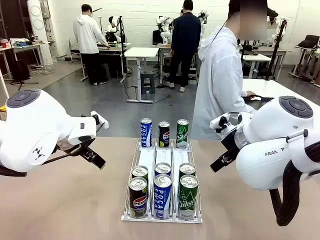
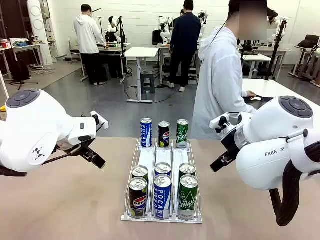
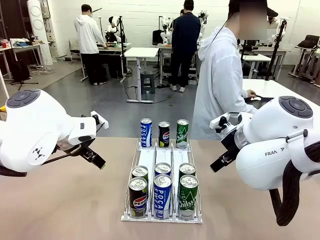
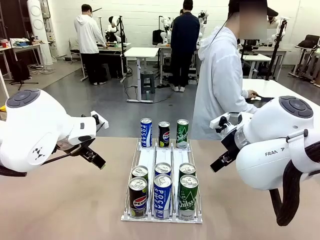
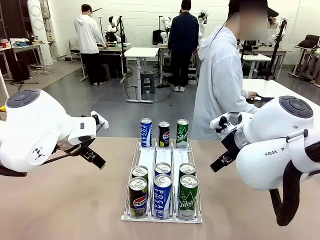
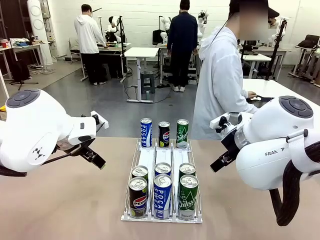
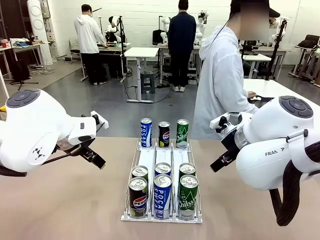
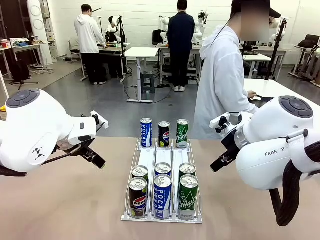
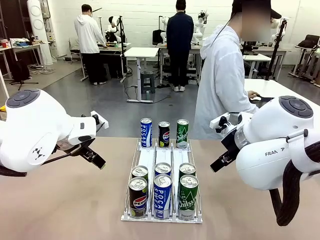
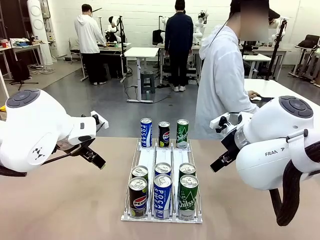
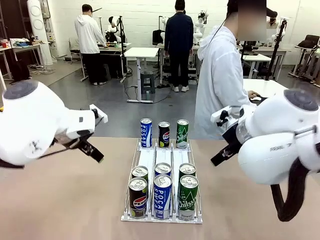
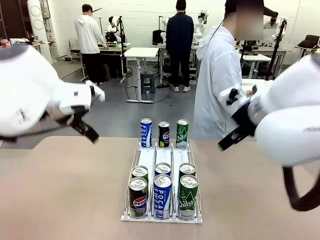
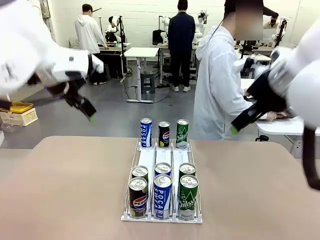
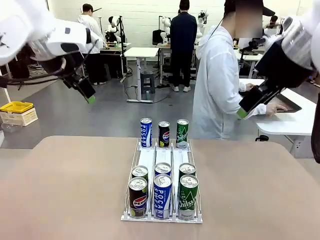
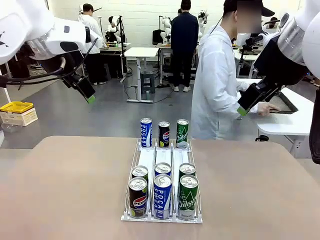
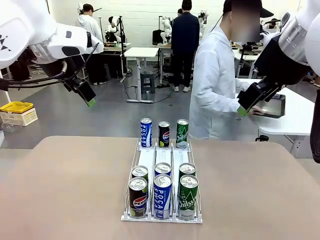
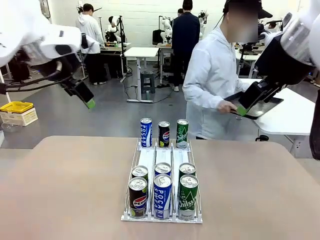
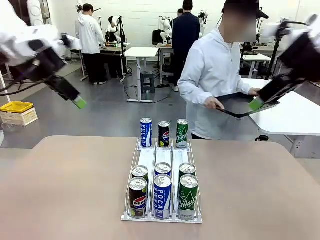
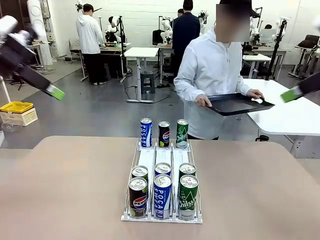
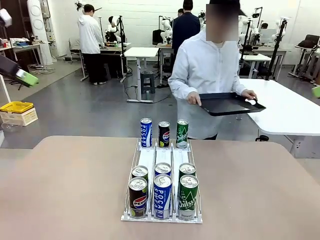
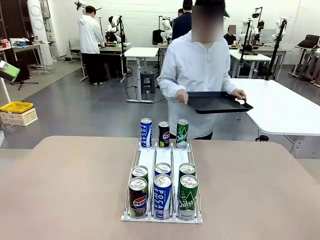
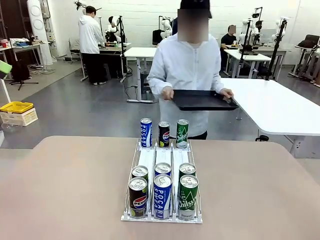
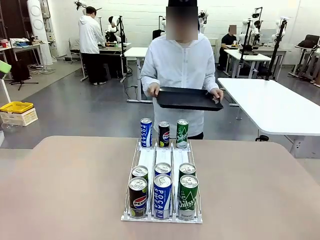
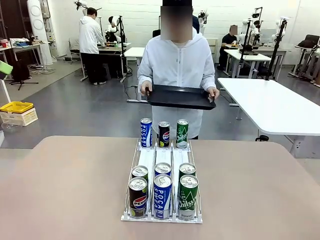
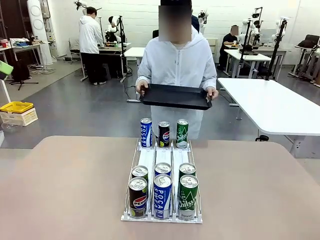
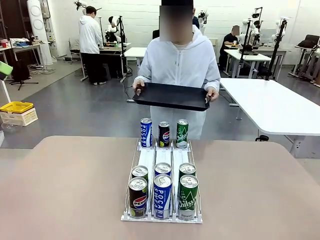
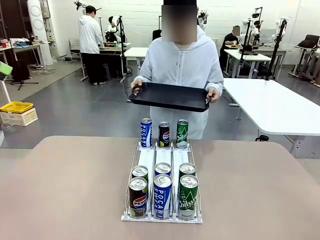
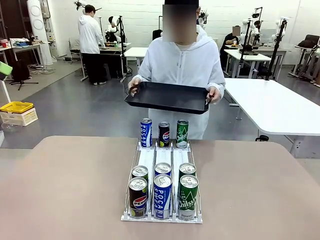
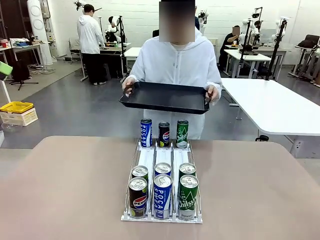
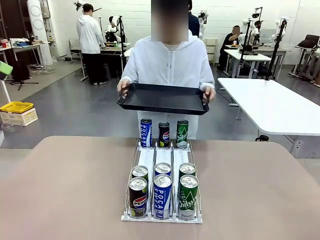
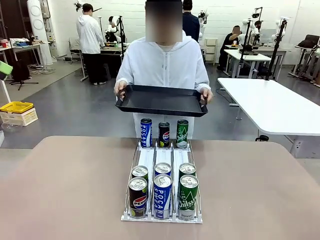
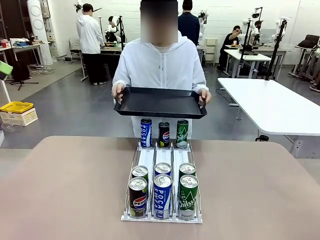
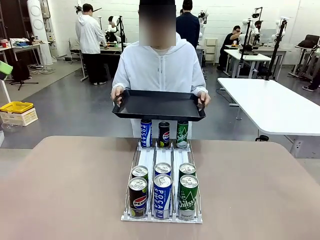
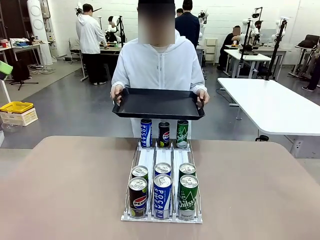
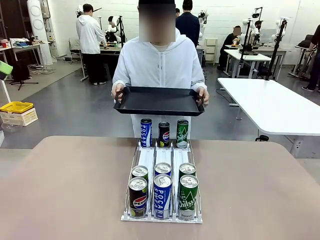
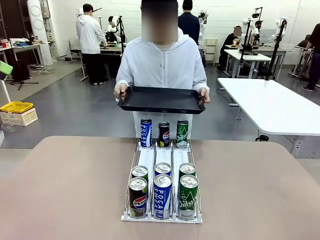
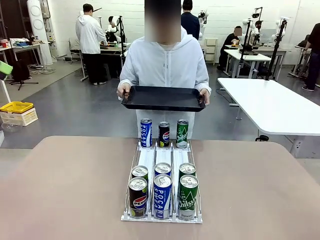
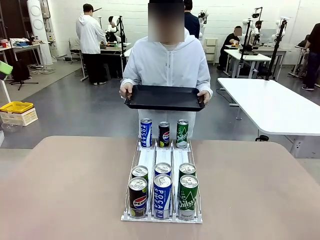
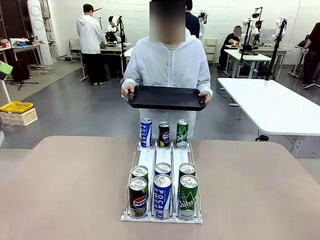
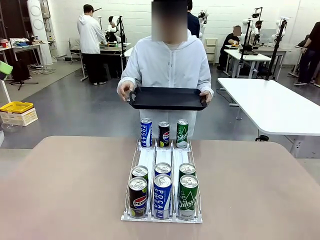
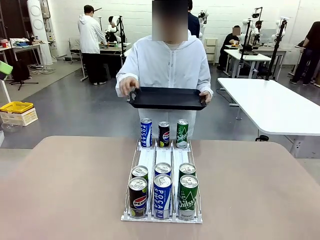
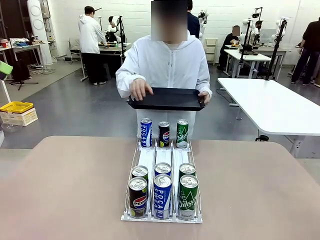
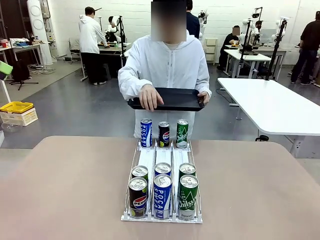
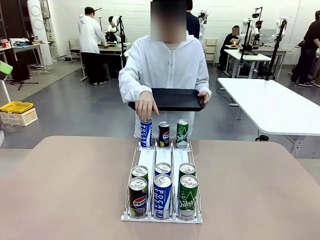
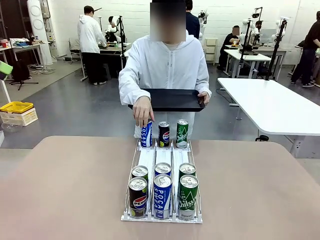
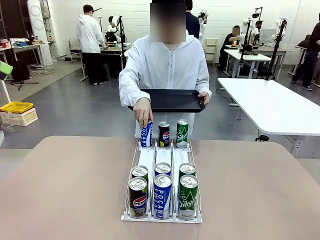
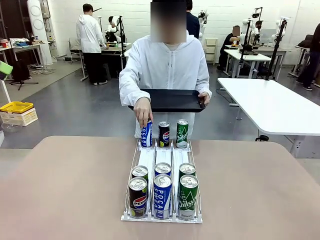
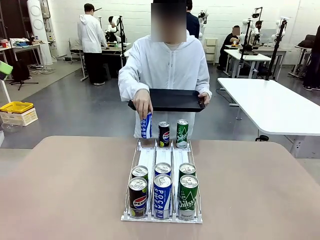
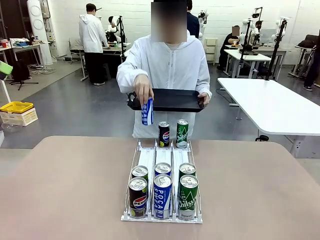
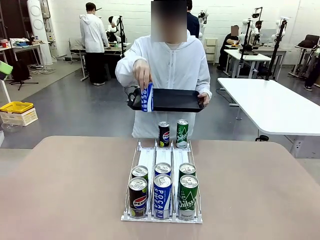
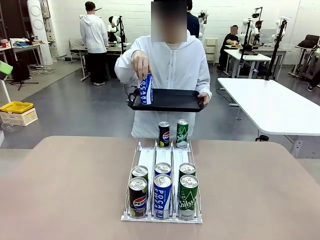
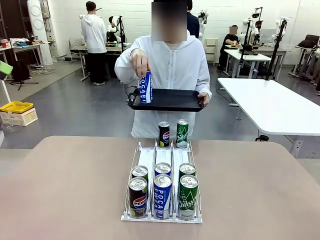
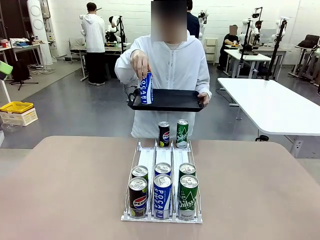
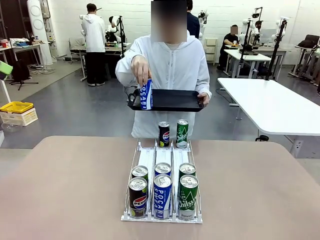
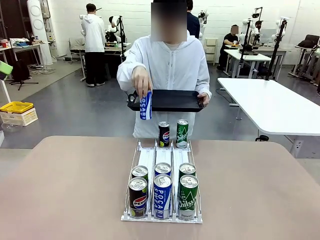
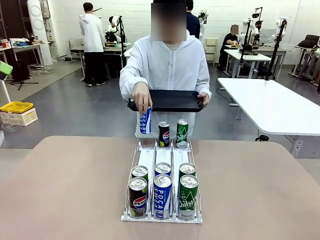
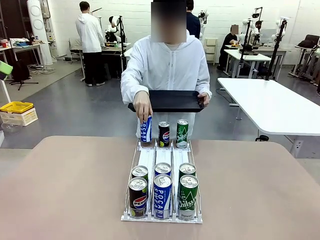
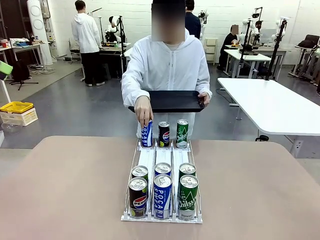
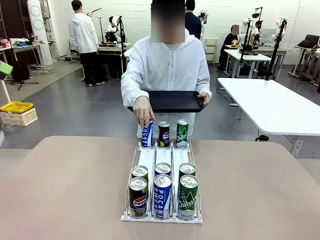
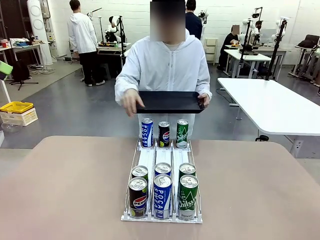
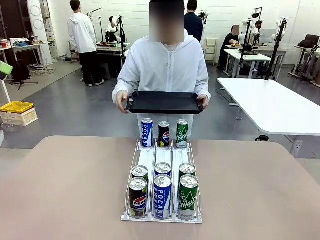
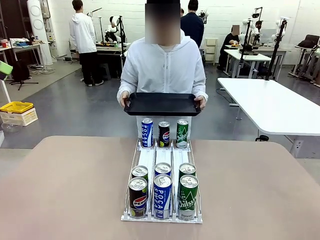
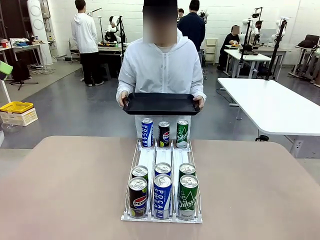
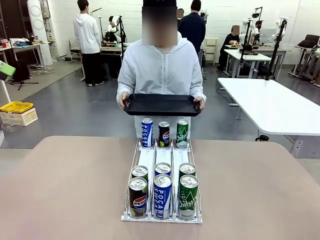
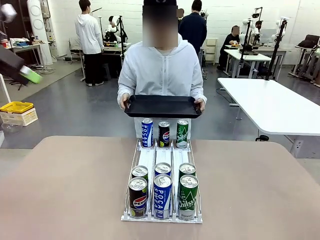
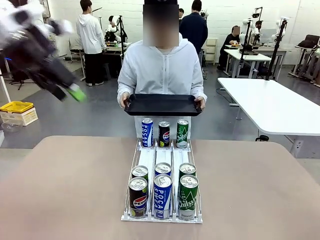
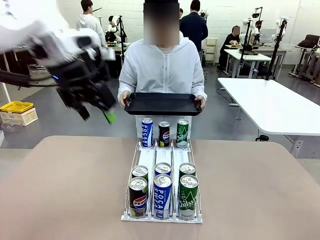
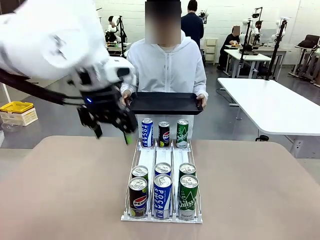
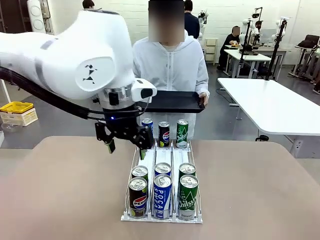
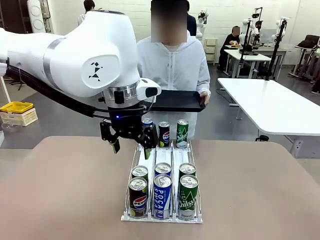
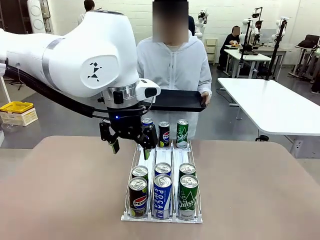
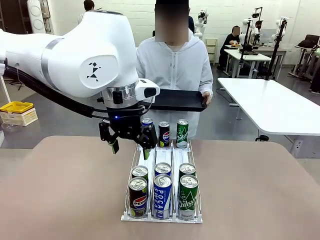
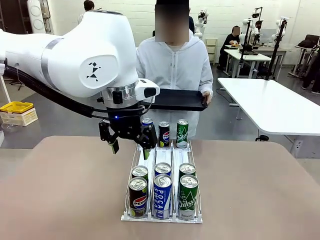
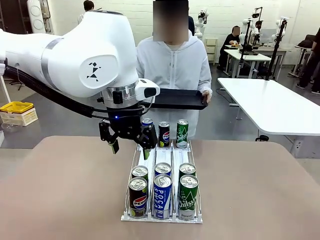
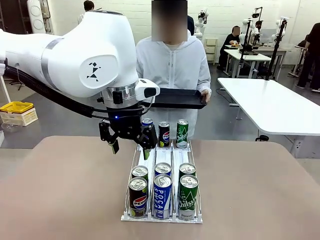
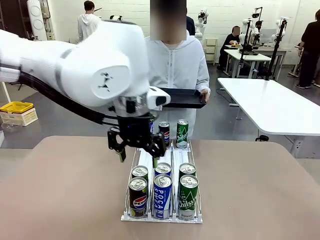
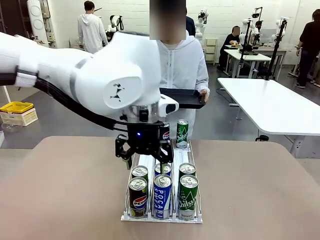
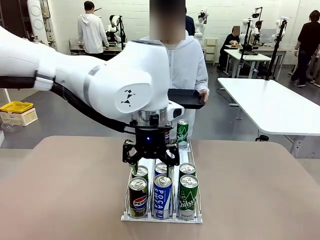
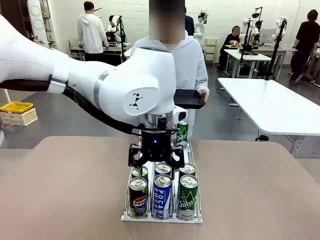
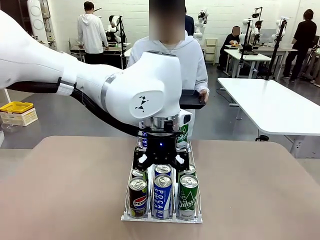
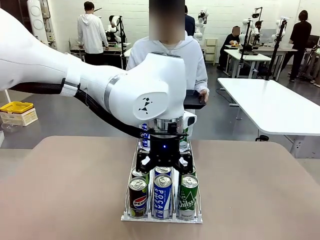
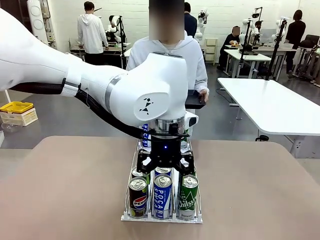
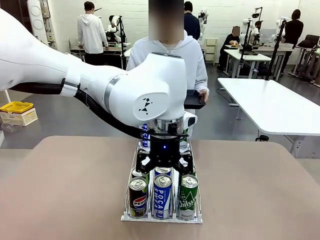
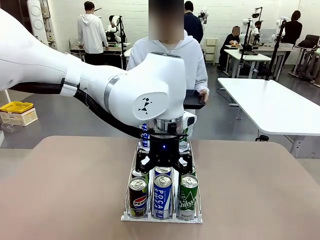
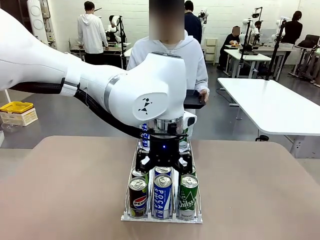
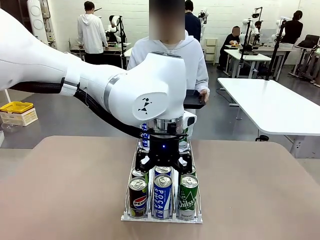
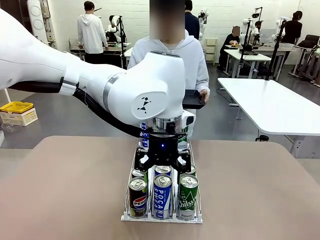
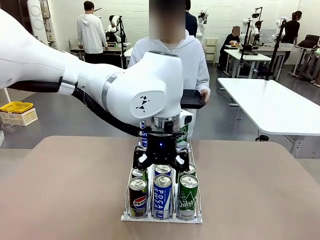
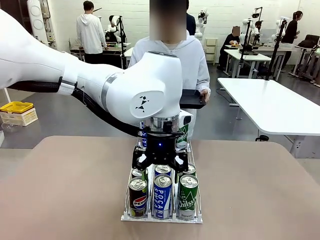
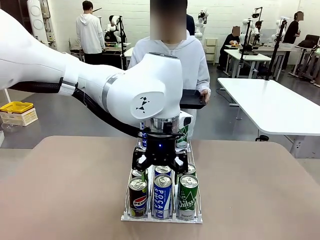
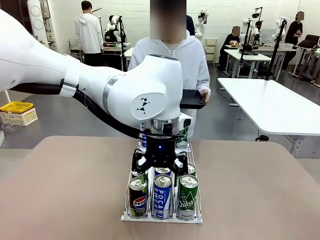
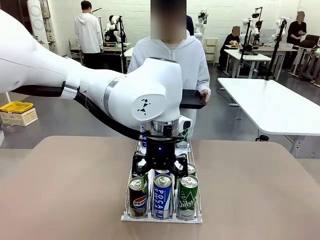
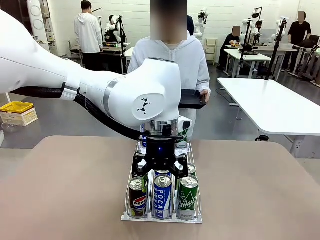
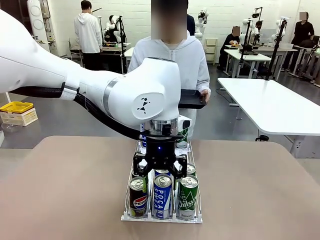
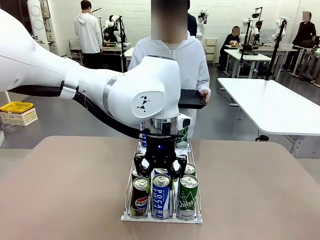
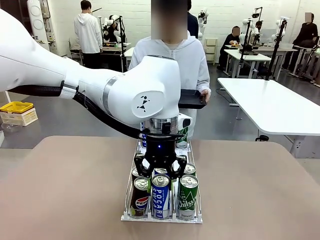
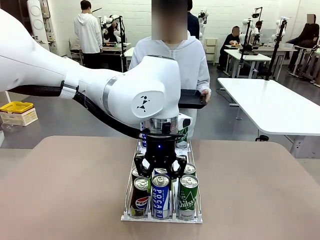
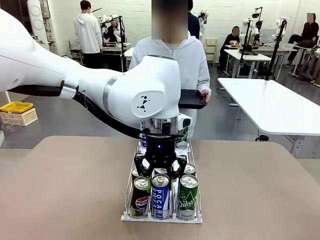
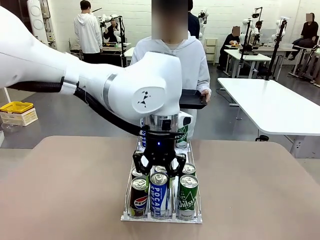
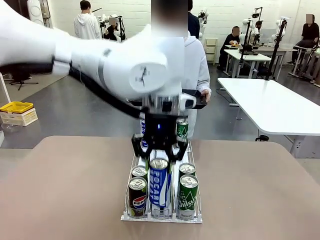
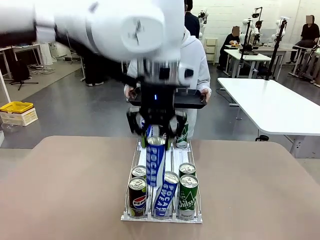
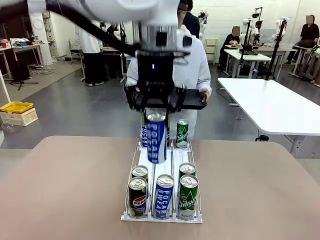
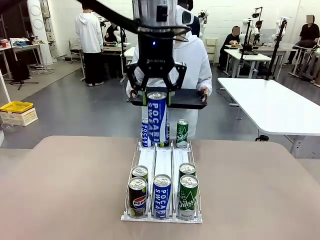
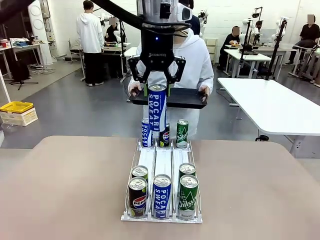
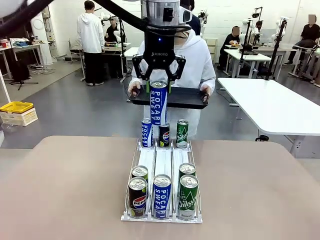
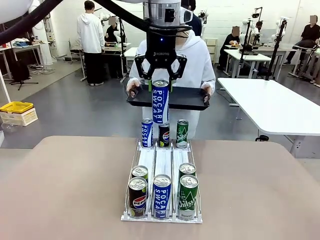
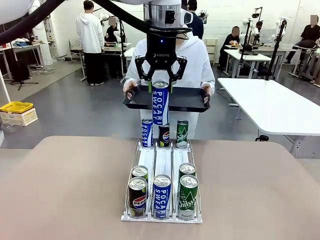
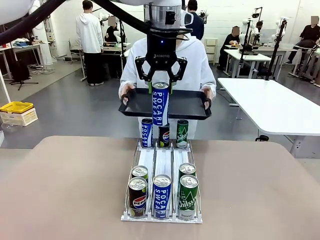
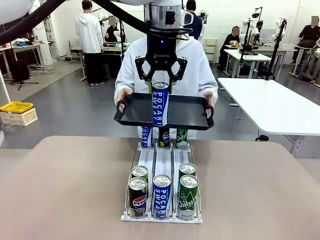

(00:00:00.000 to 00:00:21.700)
Task: Retrieve and hand over the desired beverage to the person.
Robot: Pick up a can of the same type that the person held from the Automatic Can Dispenser.
Person: Hold the tray and position yourself in front of the robot table. Pick up one can from the bottom area of the table and puts it back in its original place. Push the tray toward the robot.
